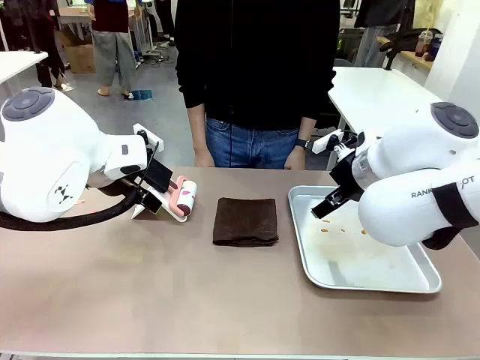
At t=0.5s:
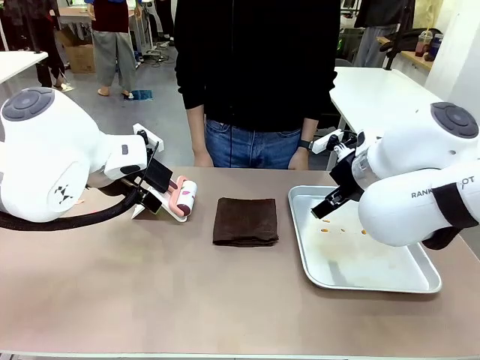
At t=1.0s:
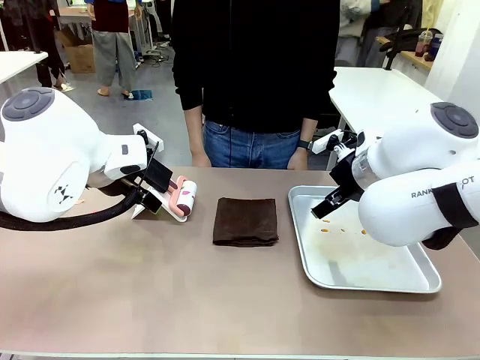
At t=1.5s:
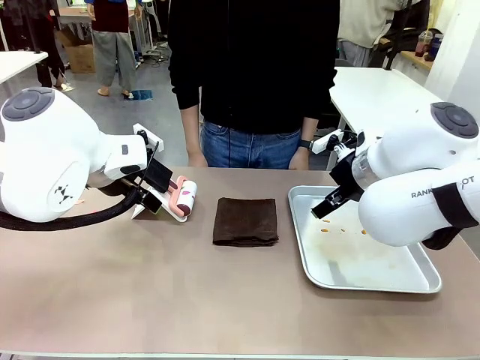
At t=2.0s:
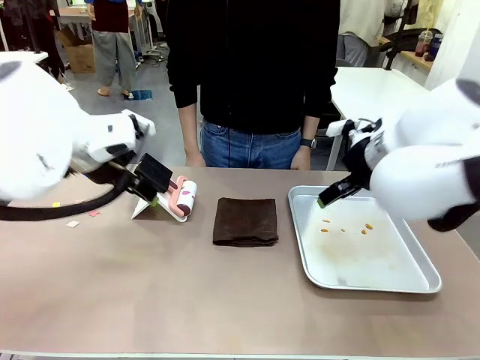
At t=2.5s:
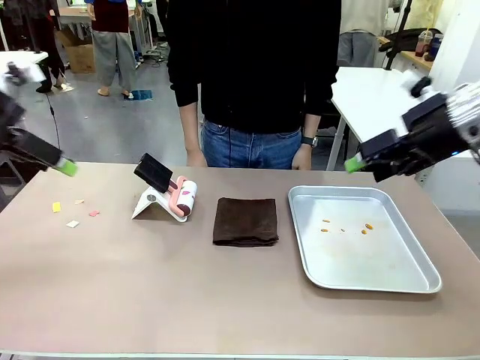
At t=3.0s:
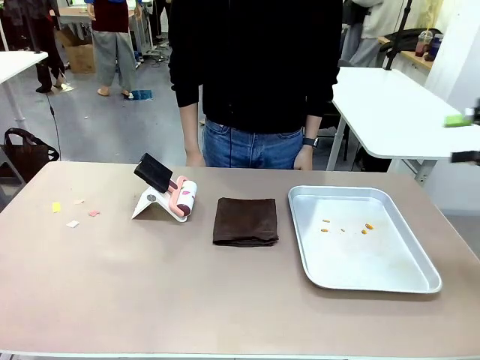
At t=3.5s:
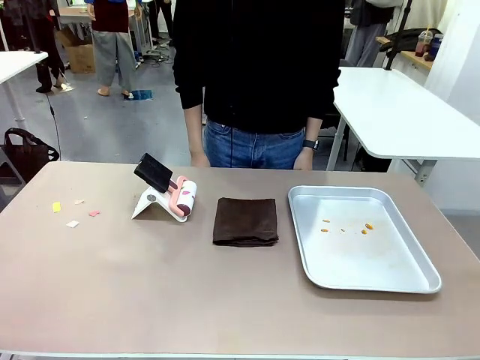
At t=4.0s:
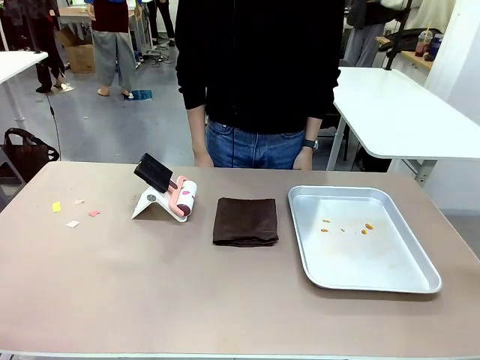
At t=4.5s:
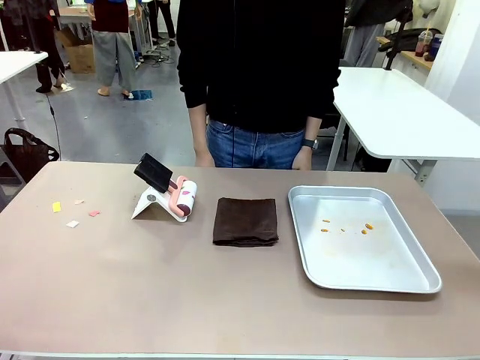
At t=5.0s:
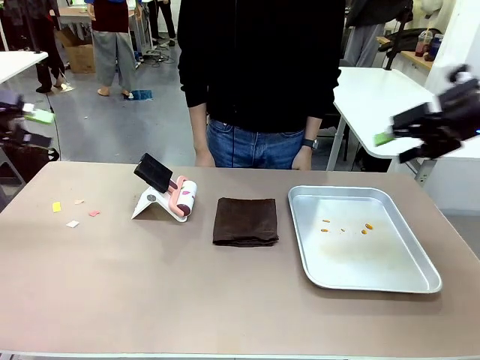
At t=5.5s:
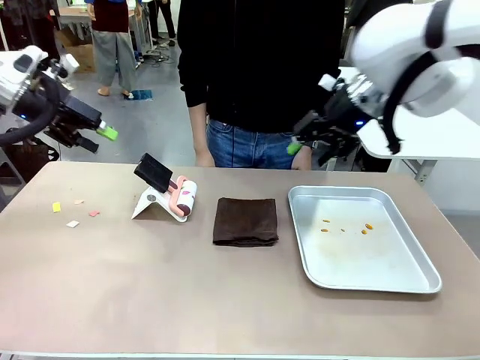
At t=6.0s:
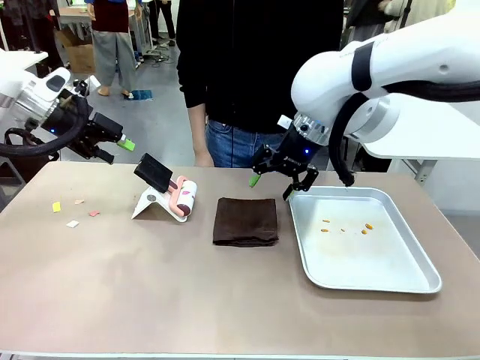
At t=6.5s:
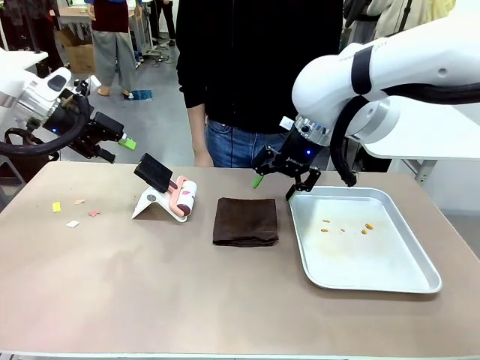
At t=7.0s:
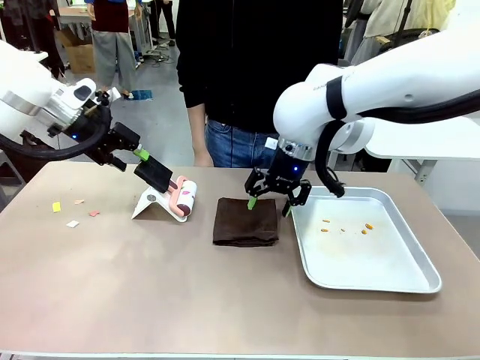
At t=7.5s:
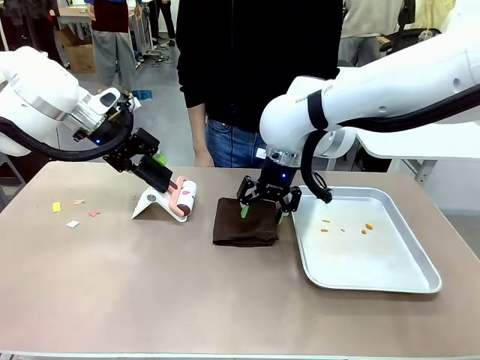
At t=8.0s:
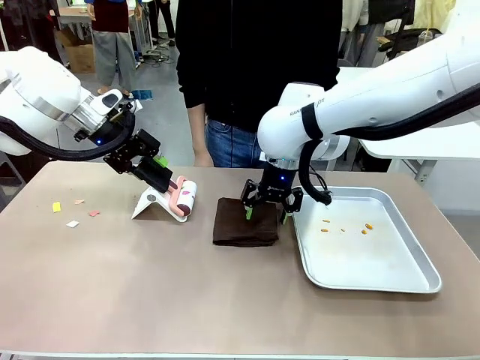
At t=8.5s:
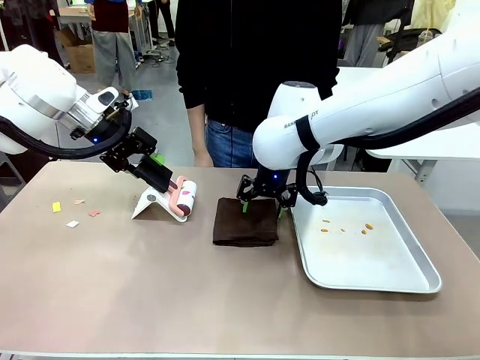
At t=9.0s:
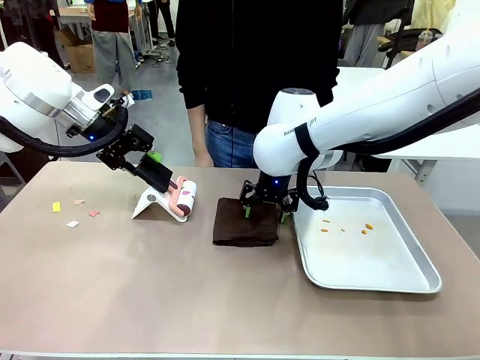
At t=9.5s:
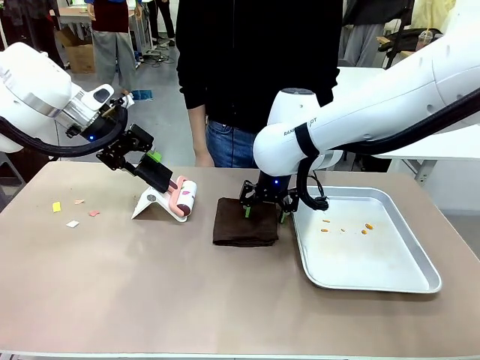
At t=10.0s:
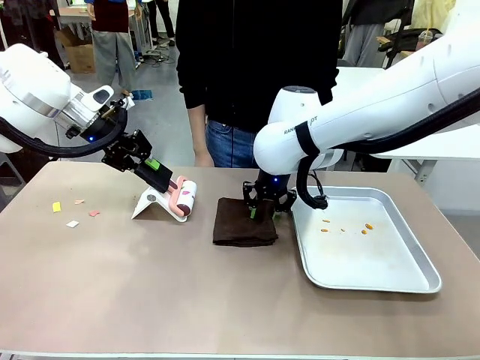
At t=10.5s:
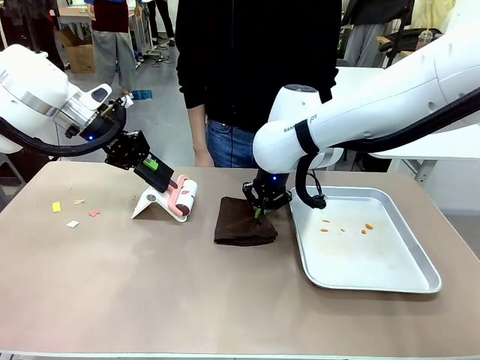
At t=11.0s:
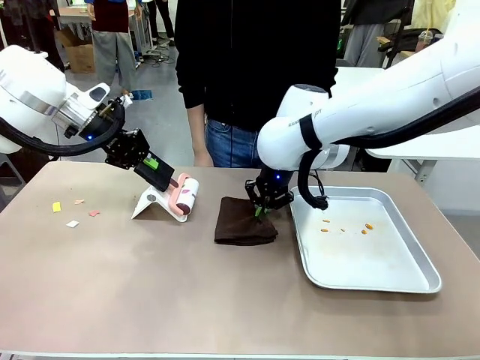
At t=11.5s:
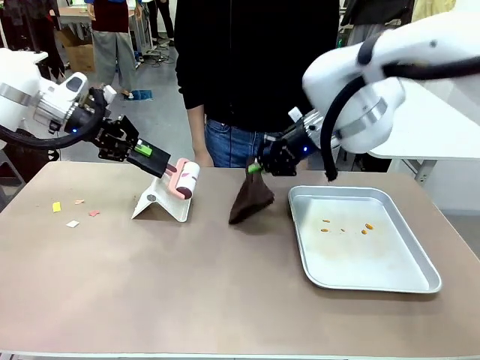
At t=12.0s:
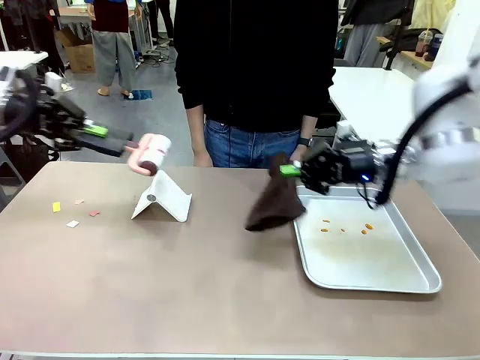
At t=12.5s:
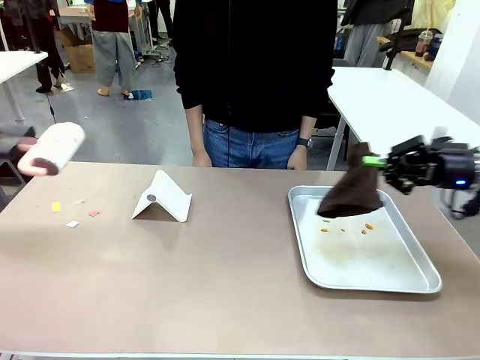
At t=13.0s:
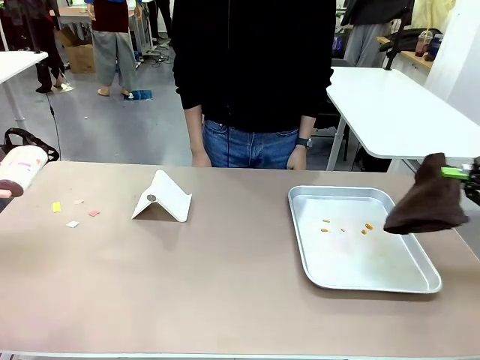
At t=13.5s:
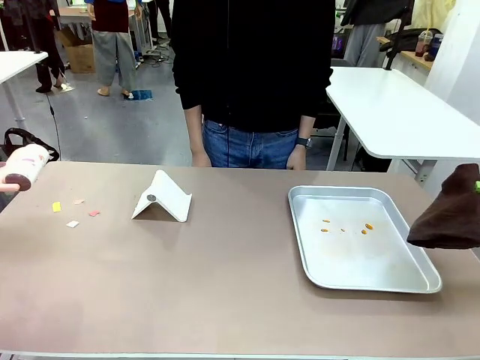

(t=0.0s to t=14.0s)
Task: Clean the surface of the table.
Robot: Hold the Lint Roller with your left hand and the towel with your right hand.

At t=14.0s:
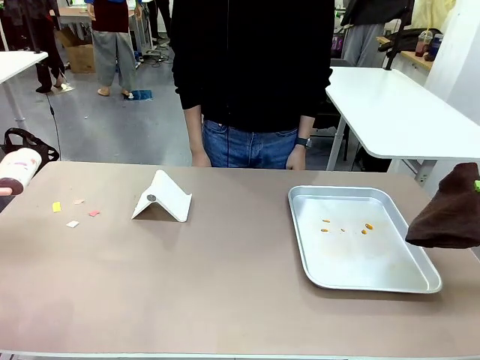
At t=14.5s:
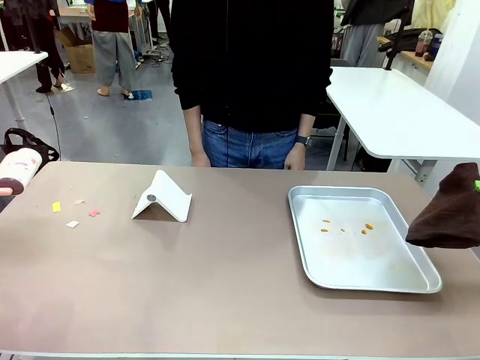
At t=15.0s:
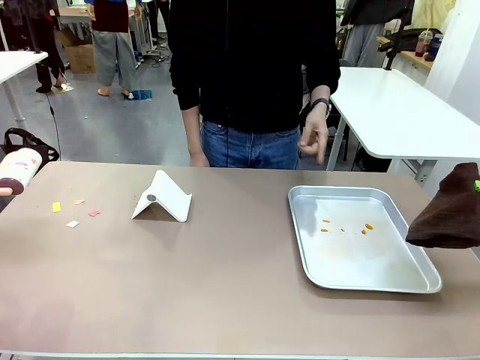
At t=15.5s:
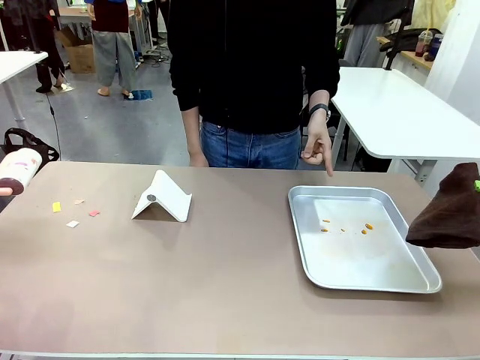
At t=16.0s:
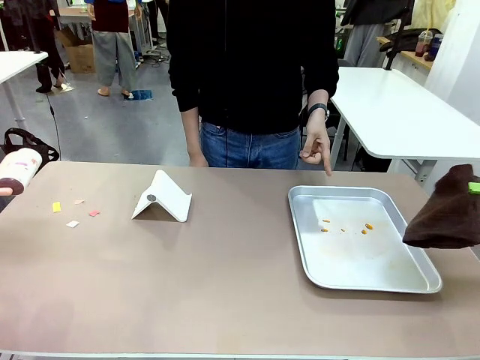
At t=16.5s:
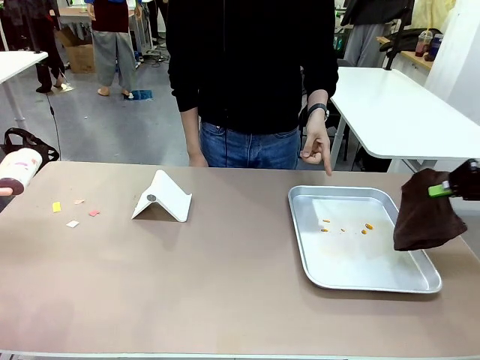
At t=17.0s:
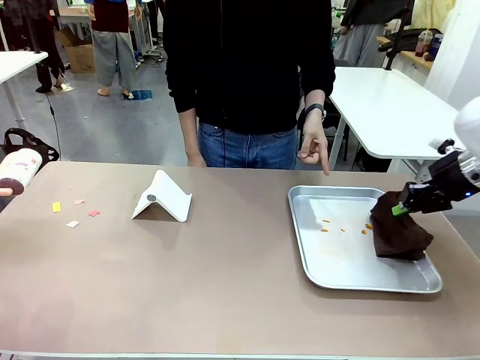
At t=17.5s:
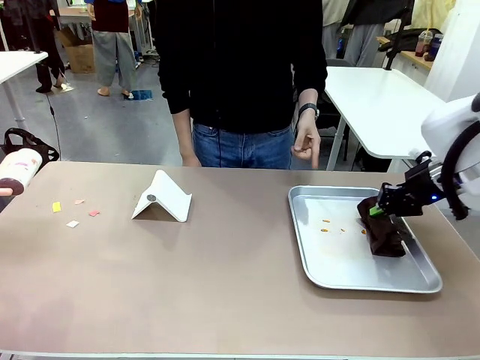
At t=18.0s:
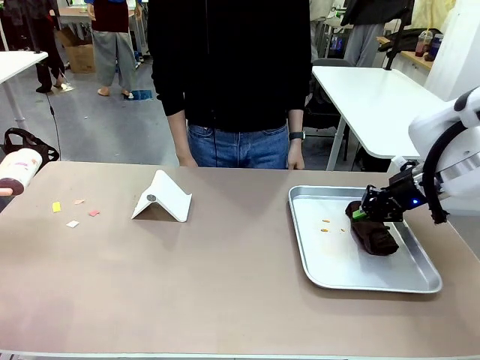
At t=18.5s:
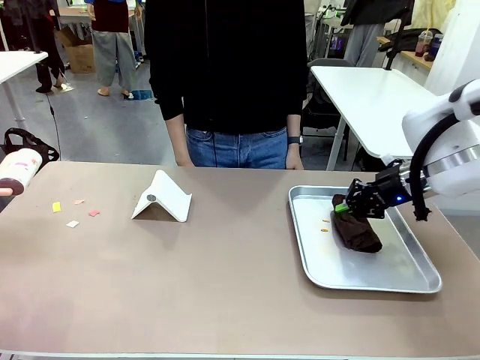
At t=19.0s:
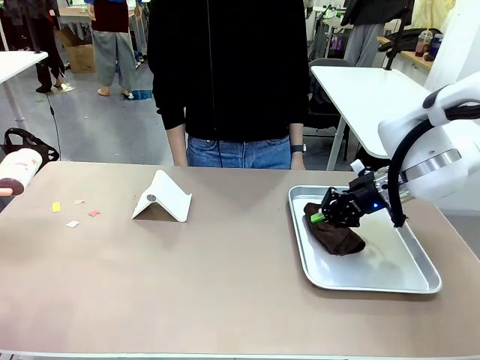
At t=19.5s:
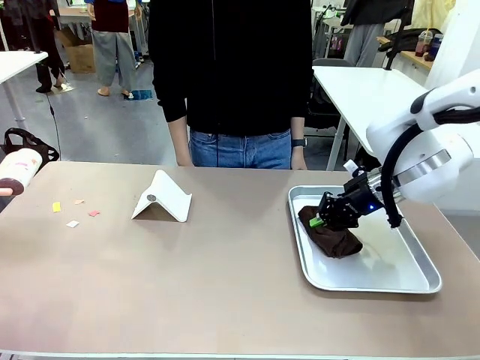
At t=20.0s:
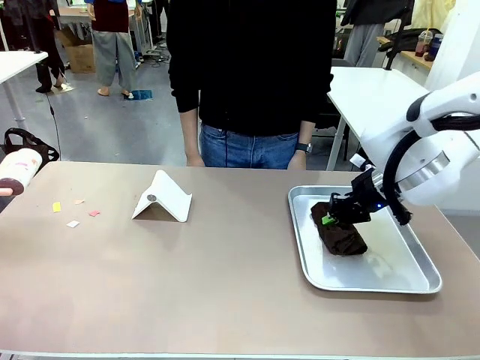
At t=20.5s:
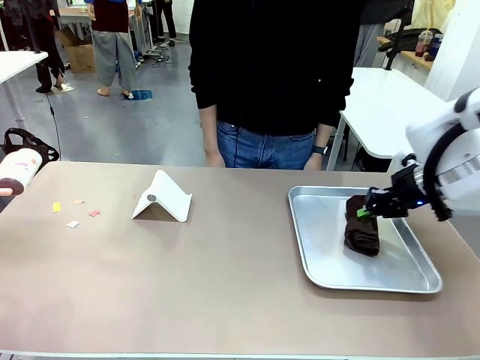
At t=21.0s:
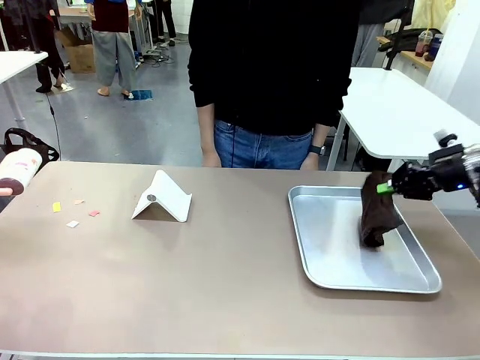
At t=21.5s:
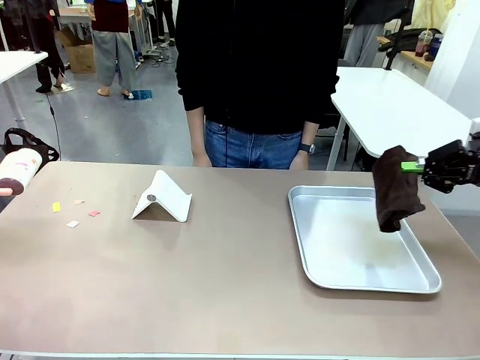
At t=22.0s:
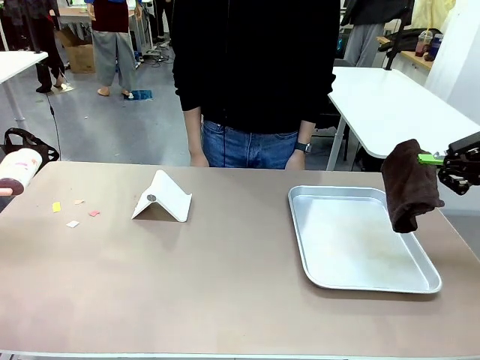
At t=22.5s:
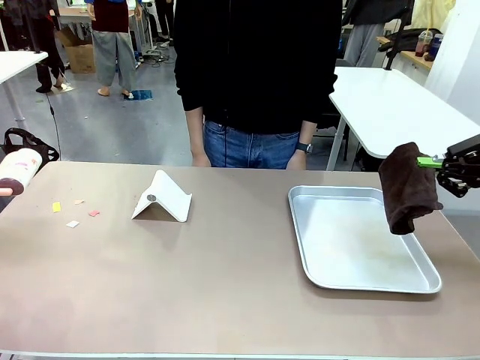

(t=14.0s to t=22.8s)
Robot: If a person points to the right, clean the right side of the table with your right hand, and if they point to the left, clean the left side with your left hand.

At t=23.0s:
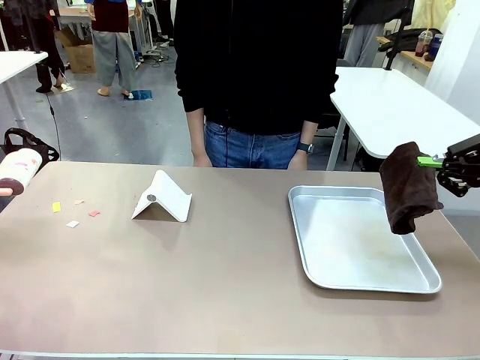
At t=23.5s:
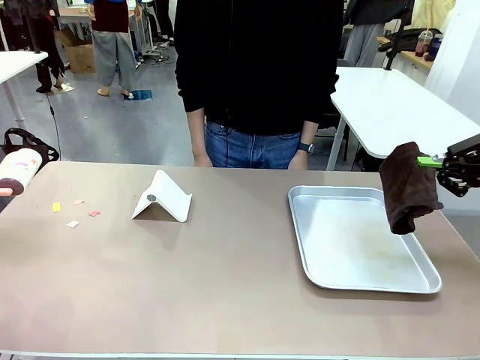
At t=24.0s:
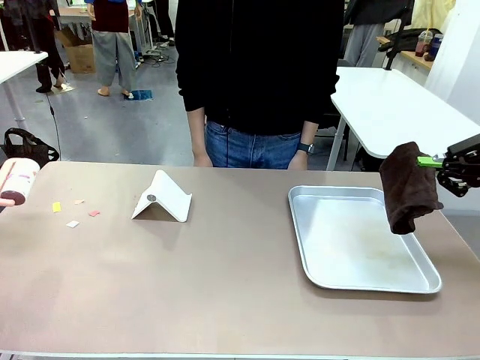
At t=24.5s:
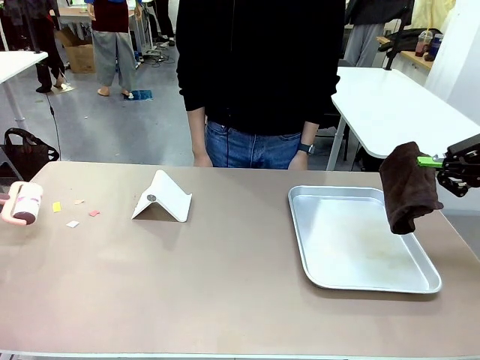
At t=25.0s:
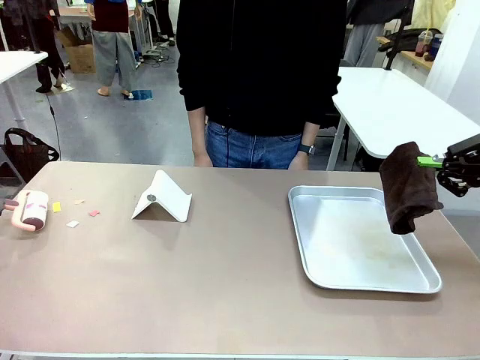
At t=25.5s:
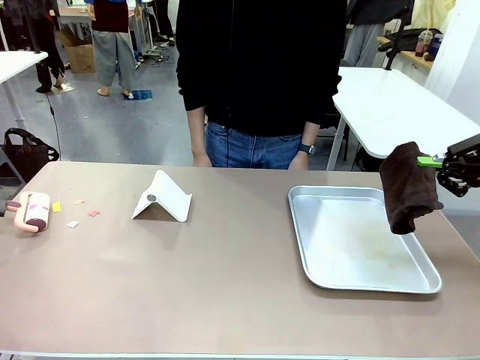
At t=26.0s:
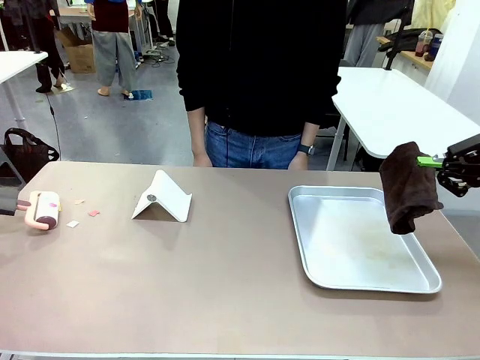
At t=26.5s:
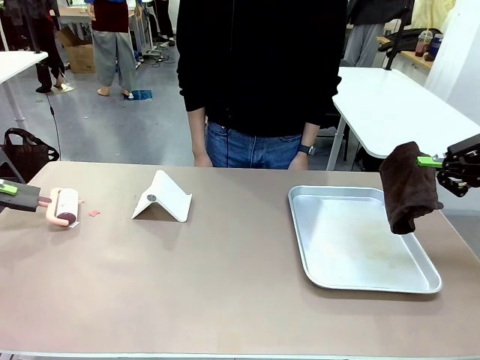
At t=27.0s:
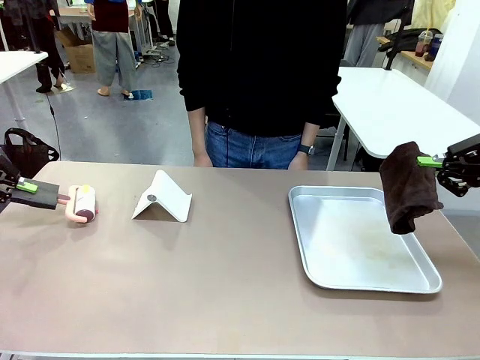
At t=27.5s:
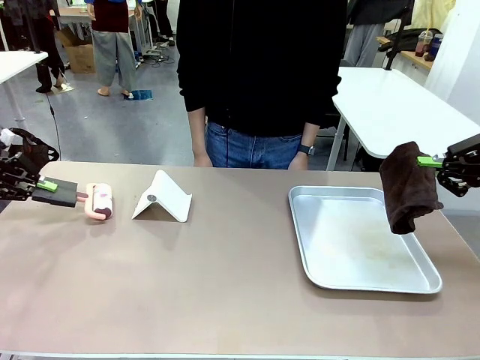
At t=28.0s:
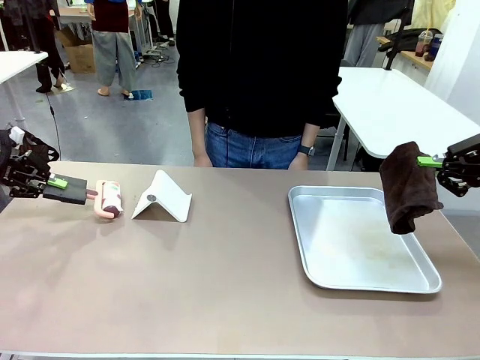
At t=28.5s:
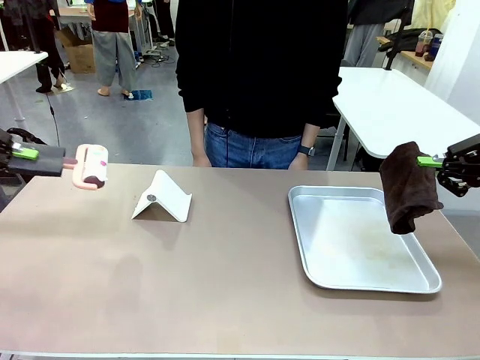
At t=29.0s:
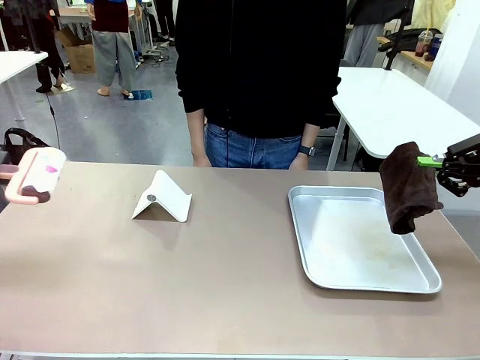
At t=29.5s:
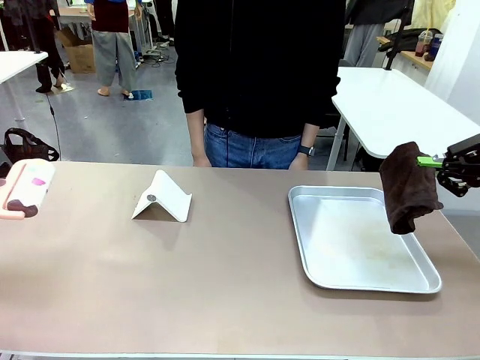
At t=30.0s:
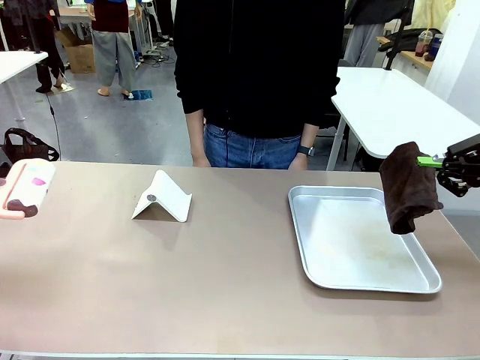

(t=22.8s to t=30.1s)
Robot: Clean the area not pointed to by the person.
